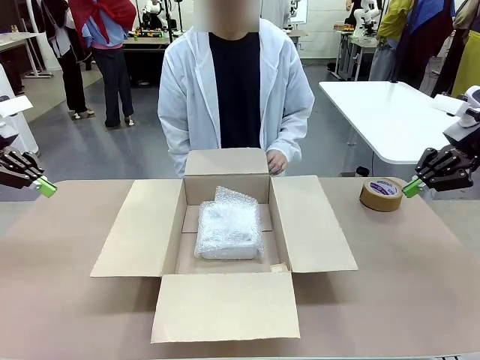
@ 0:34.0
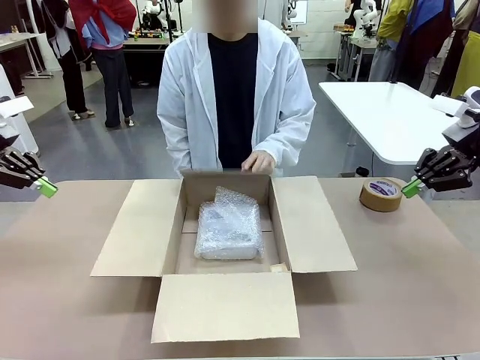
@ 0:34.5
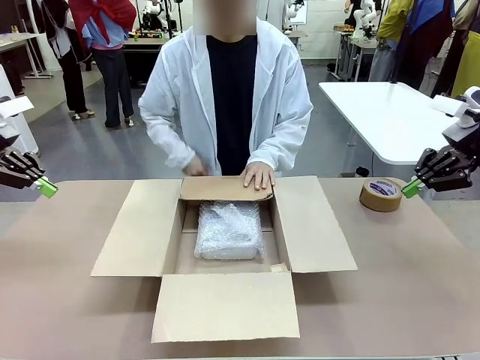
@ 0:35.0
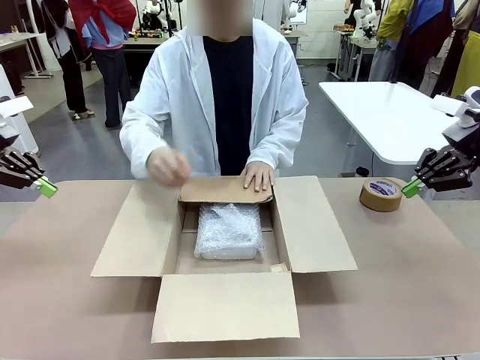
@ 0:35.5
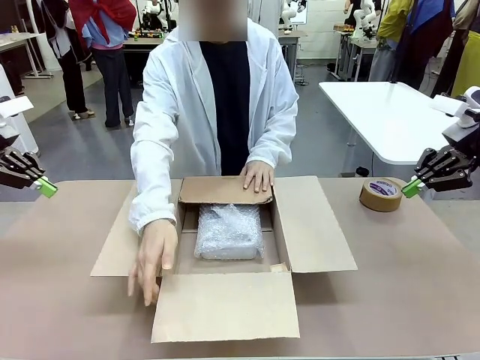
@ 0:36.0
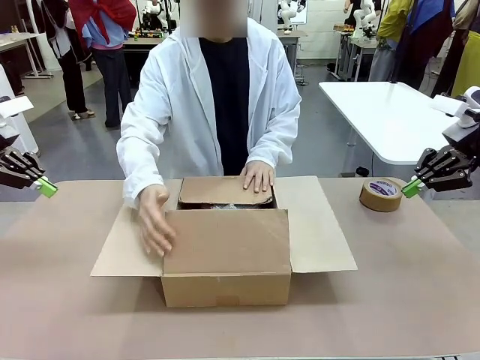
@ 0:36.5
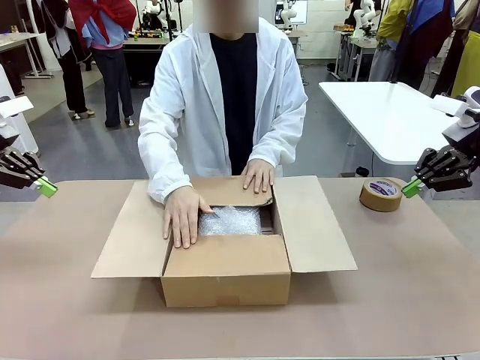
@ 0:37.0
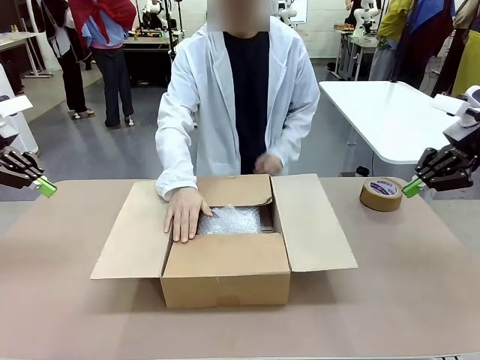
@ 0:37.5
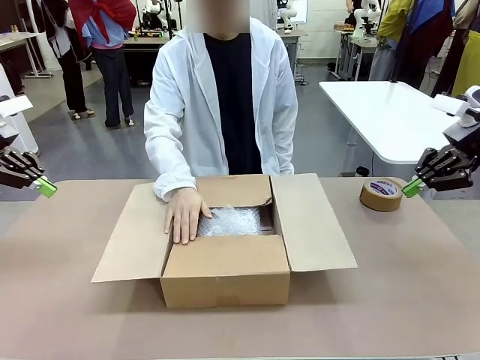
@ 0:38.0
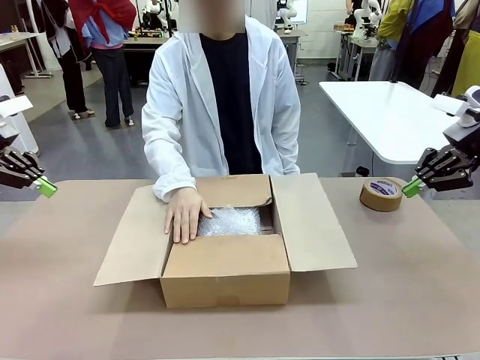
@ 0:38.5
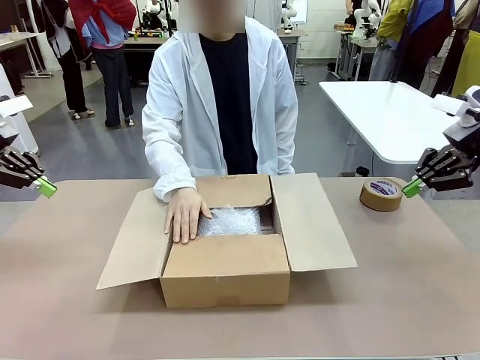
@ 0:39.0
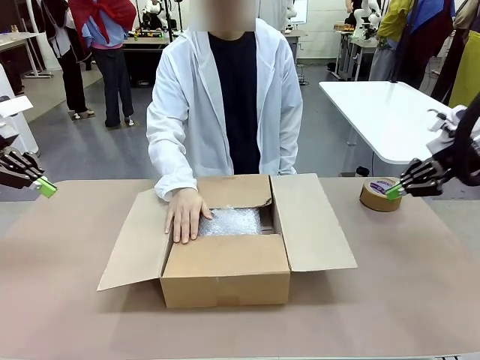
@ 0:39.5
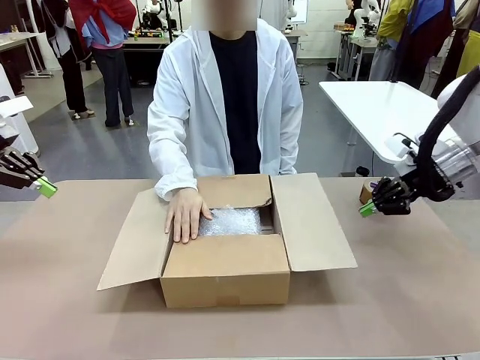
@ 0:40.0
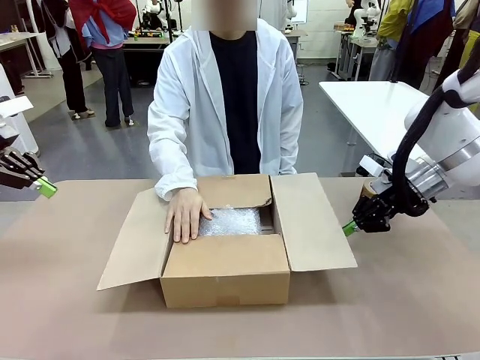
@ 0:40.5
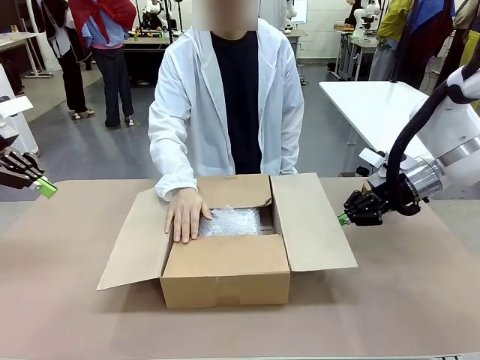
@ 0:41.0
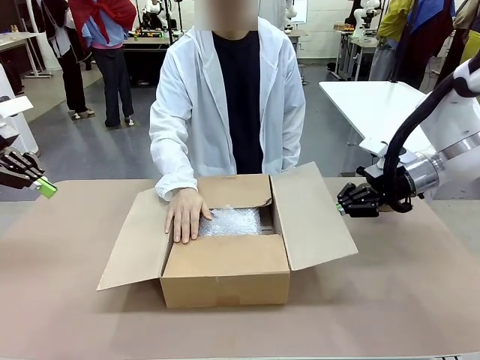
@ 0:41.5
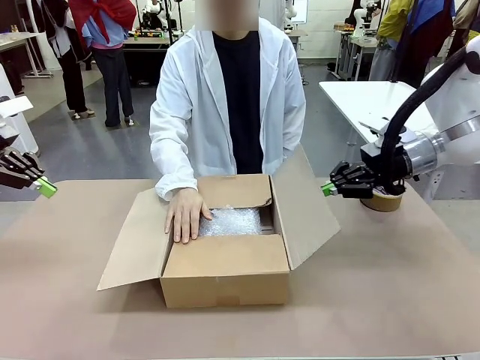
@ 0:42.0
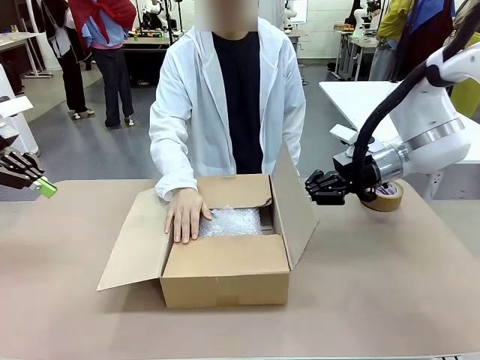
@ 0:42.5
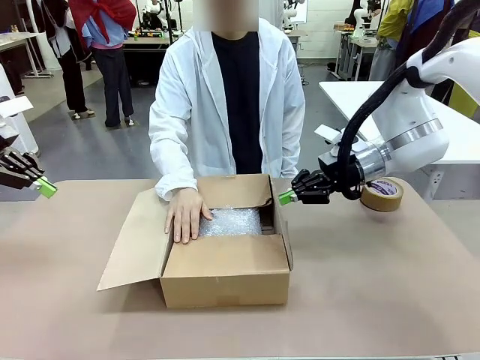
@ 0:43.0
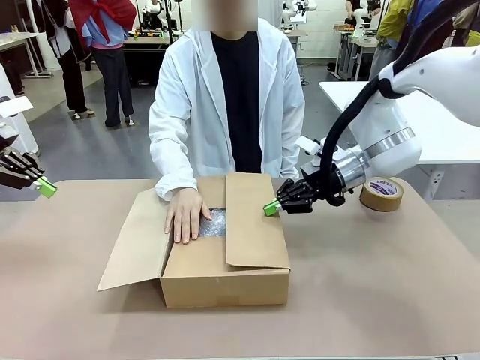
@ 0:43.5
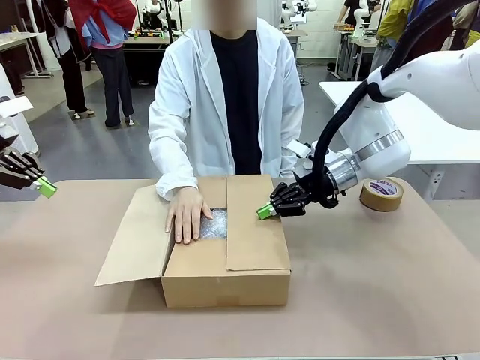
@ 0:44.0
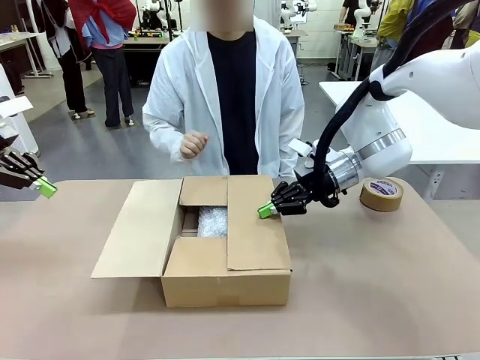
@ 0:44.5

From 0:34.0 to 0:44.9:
Task: Wrap the clocks to prevent damage.
Robot: Push the right (or left) flap of the Package Box to close it.
Person: Once the robot closes the right flap of the Package Box , release your left hand from the box.

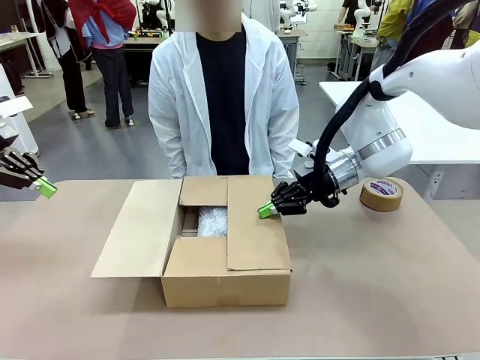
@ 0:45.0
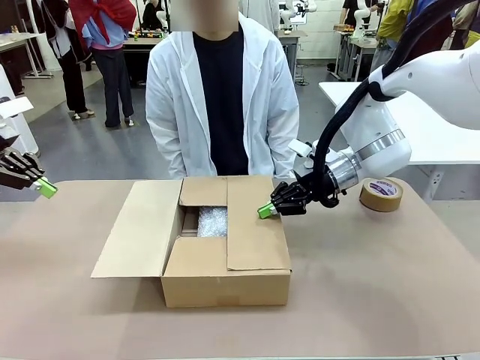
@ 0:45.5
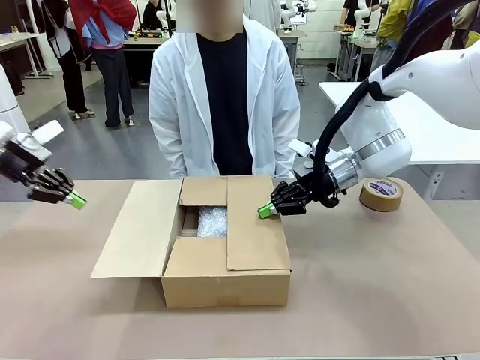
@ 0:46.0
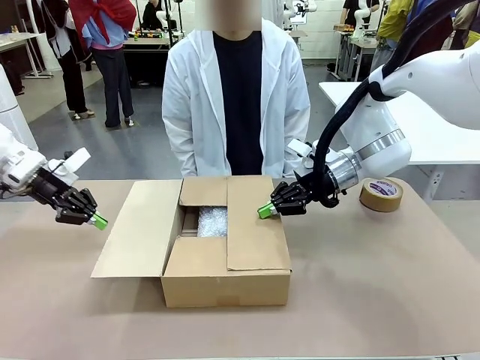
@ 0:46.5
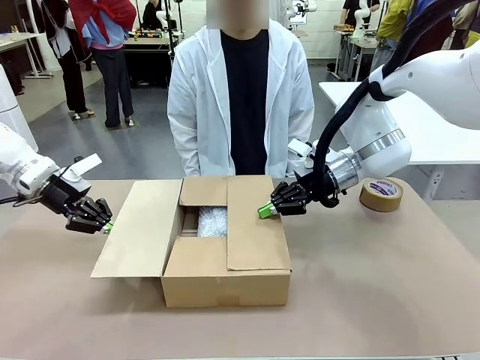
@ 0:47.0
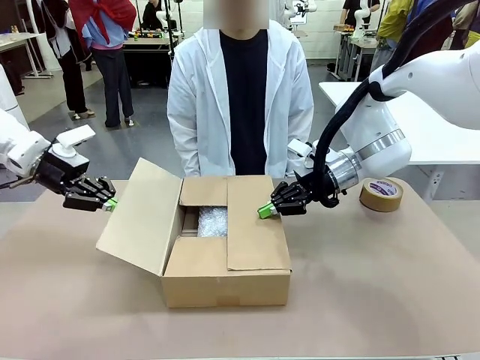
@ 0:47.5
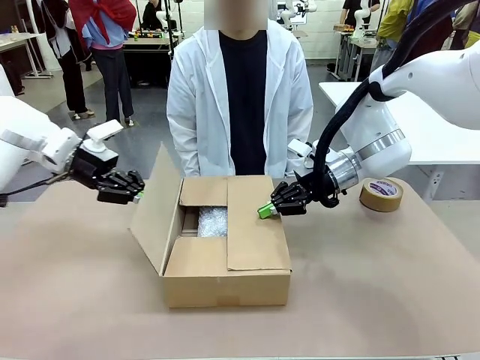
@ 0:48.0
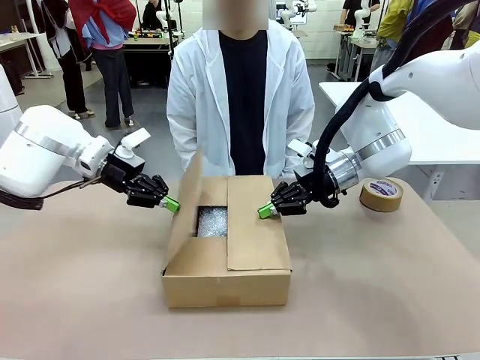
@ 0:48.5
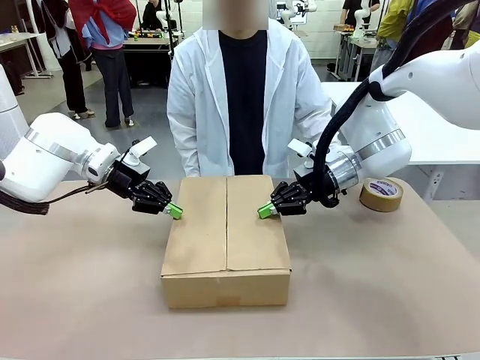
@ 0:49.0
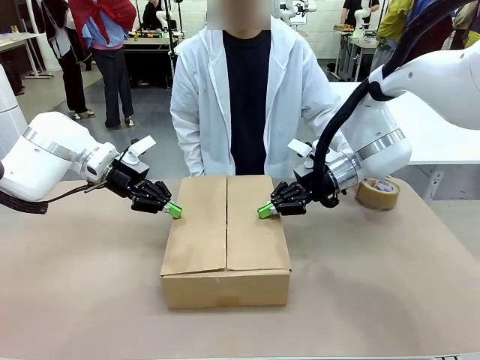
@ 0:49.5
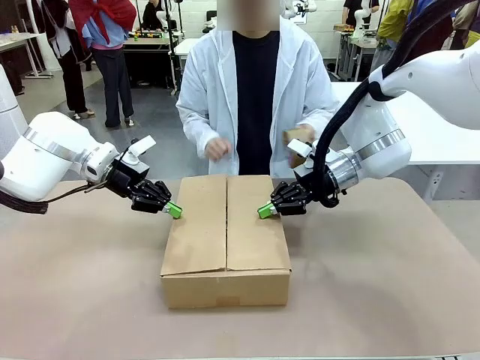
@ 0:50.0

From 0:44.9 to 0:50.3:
Robot: Push the left (or right) flap of the Package Box to close it.

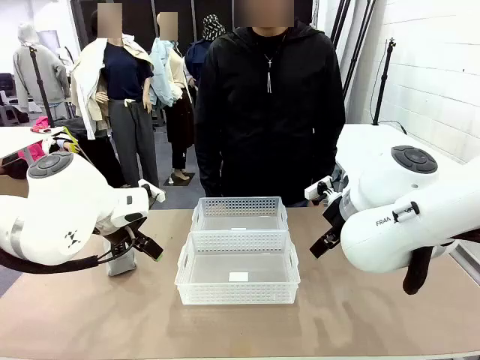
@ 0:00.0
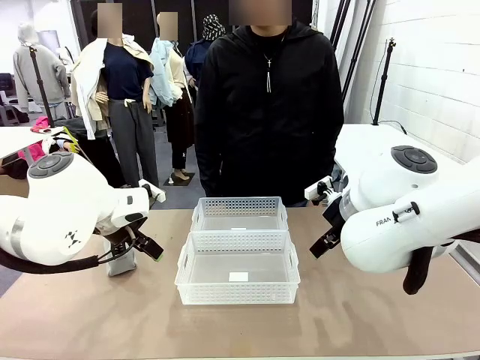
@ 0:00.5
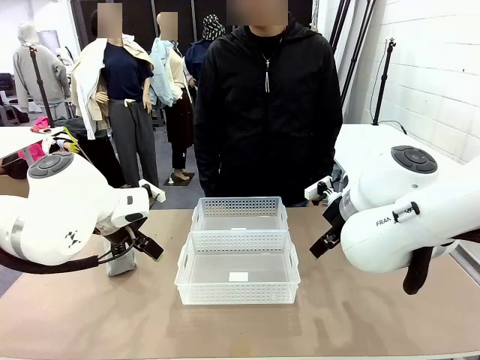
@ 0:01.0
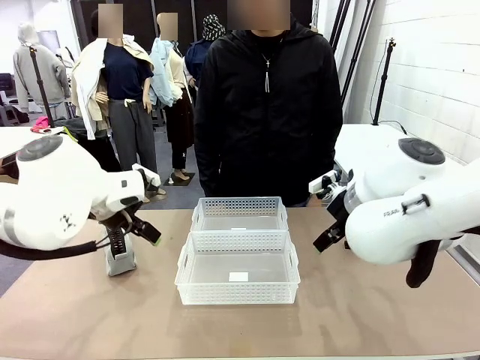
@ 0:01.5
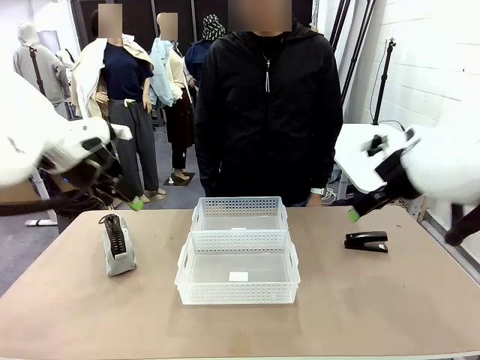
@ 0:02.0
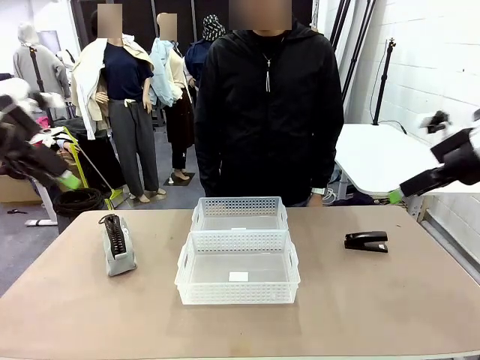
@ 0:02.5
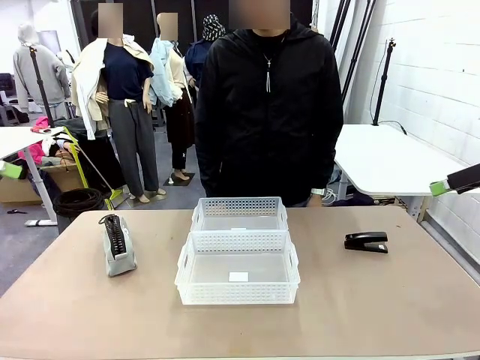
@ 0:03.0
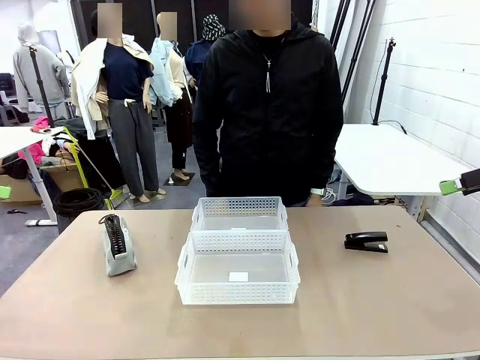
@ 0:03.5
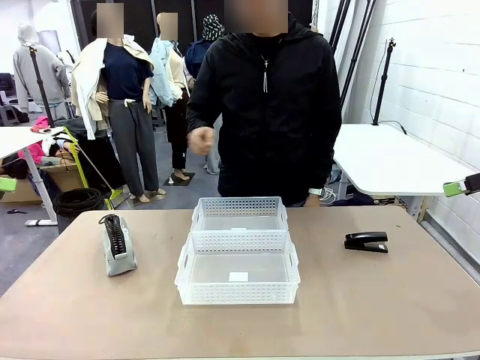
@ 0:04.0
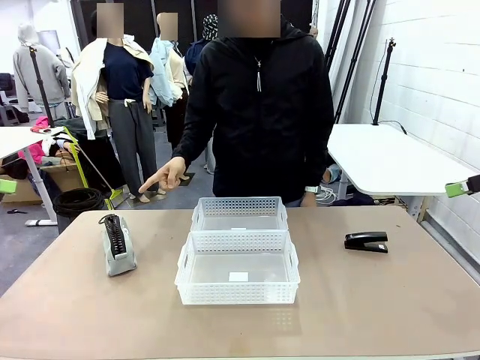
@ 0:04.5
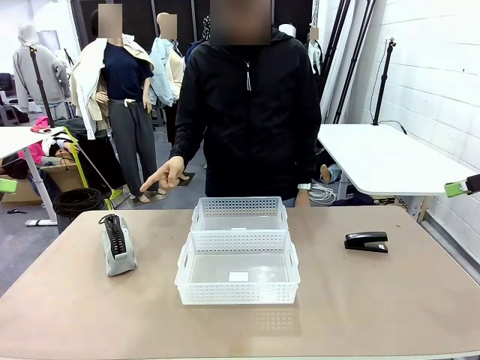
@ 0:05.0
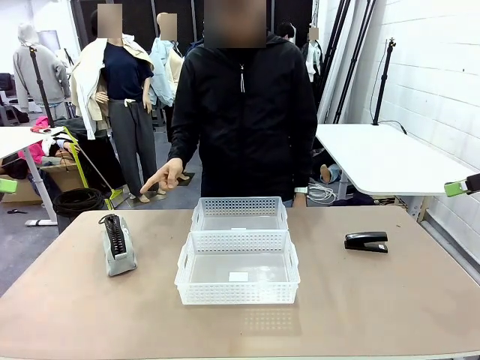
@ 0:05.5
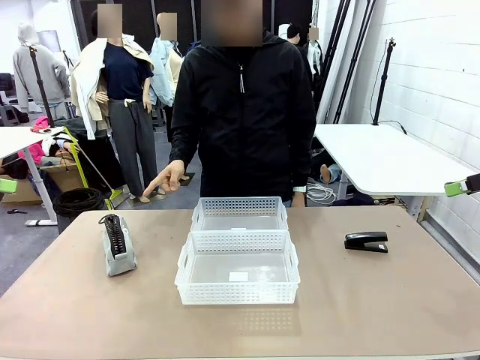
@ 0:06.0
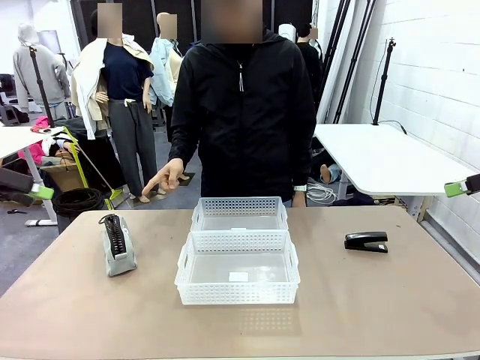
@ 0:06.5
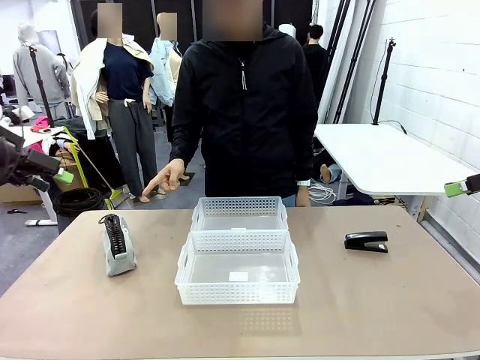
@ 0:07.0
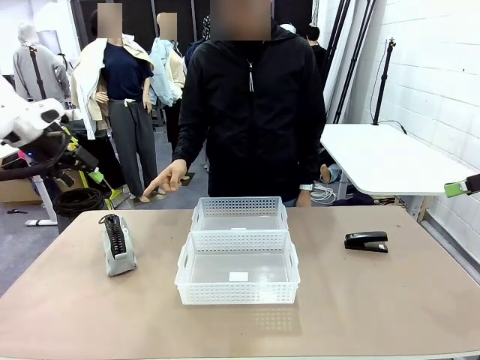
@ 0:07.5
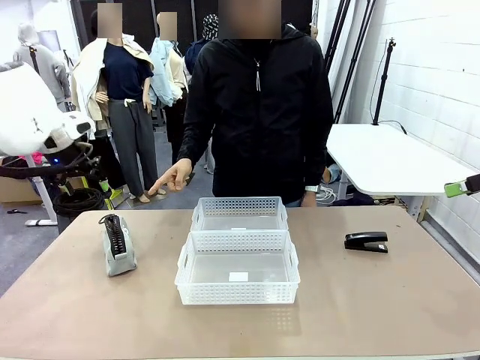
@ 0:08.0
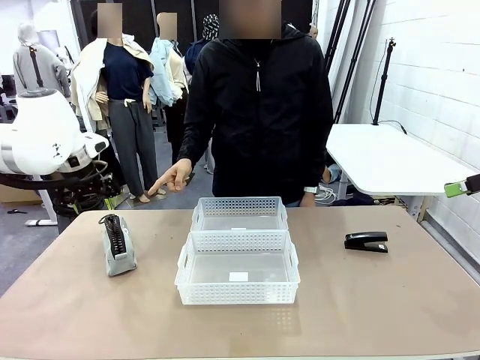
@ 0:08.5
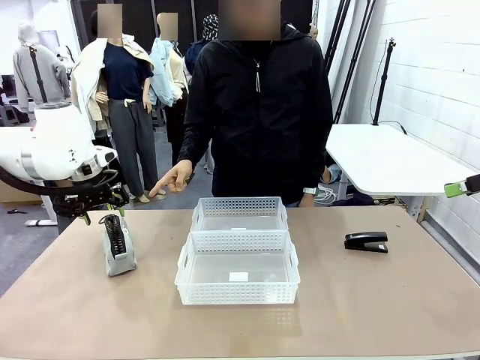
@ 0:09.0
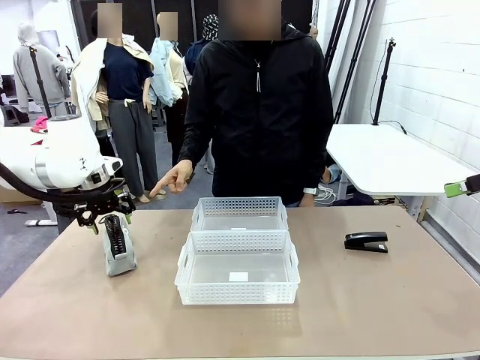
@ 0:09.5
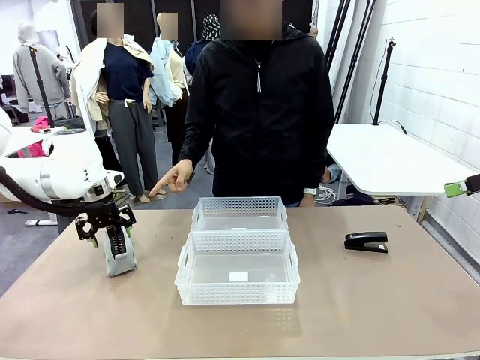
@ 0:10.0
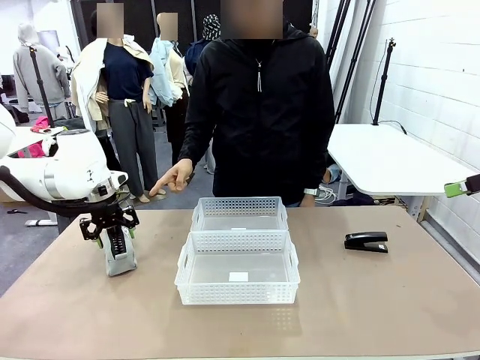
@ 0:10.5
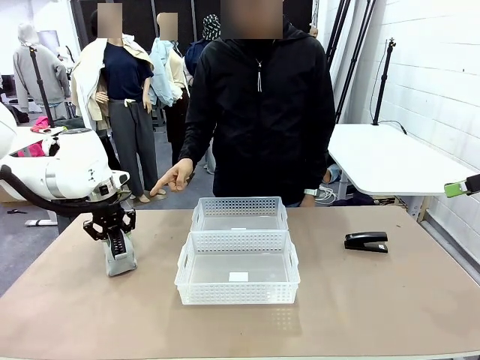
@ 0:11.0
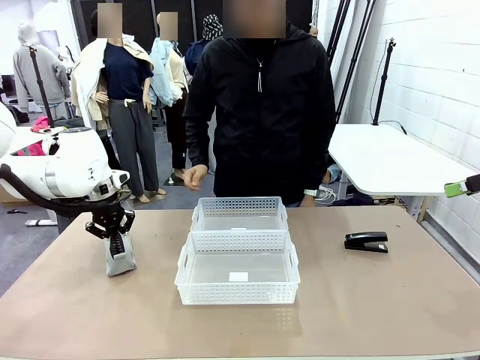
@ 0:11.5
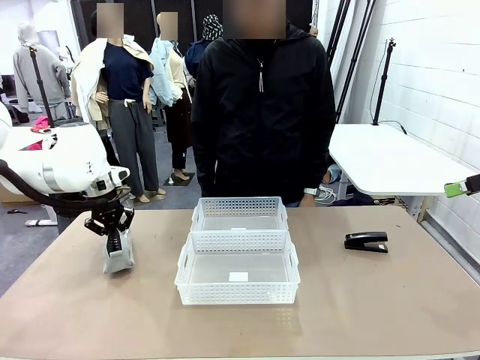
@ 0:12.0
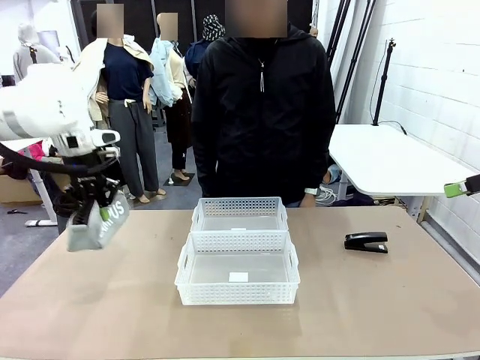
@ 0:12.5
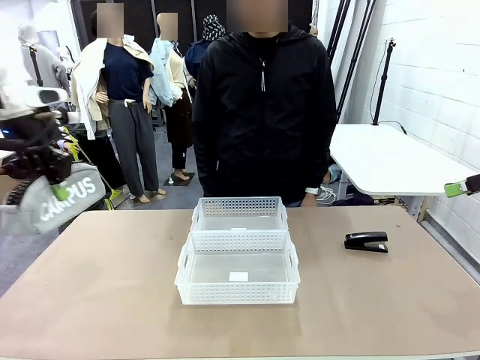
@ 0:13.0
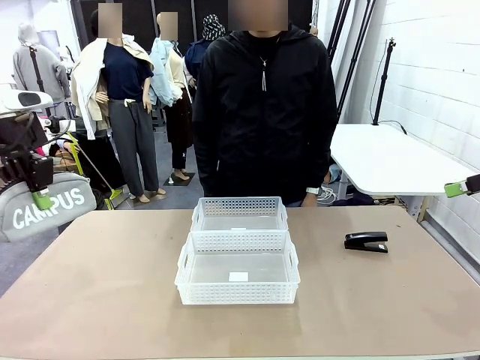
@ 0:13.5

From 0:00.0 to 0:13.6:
Task: Distribute items into two baskets.
Robot: Pick up the Pencil pouch that the person points to.
Person: Points to the pencil case. Points between the two organizing baskets and instructs the robot to move the pencil case.
